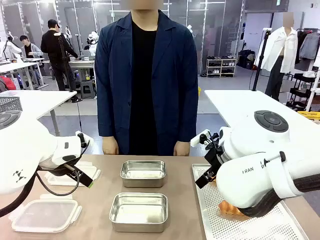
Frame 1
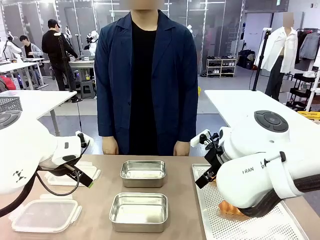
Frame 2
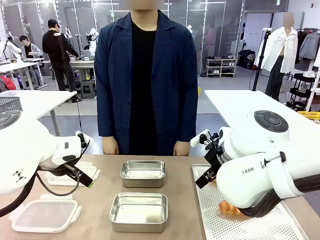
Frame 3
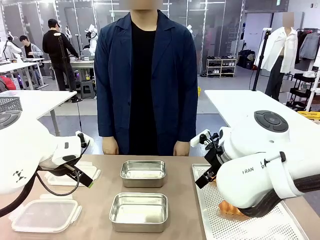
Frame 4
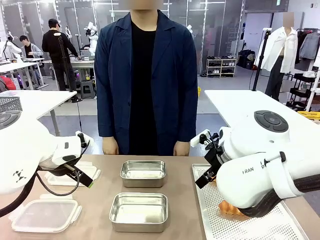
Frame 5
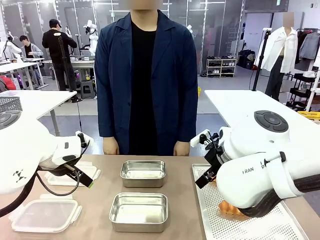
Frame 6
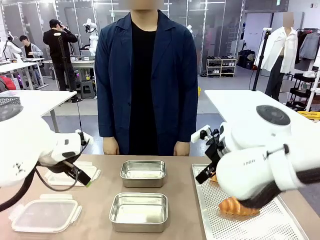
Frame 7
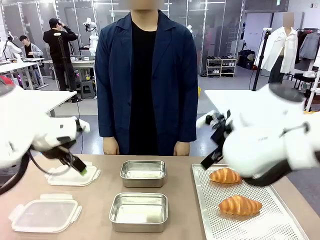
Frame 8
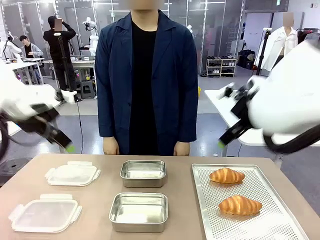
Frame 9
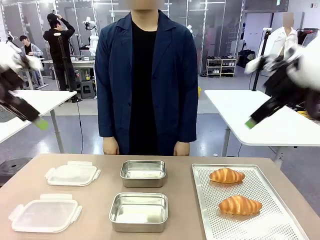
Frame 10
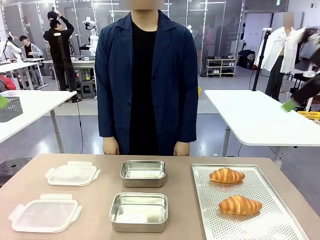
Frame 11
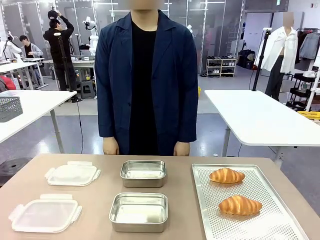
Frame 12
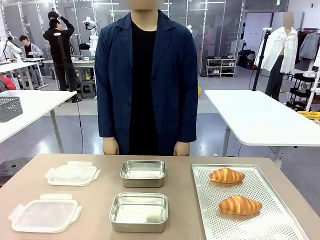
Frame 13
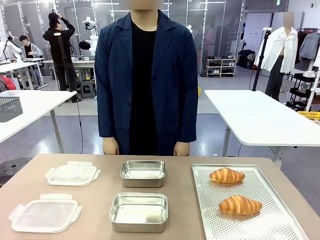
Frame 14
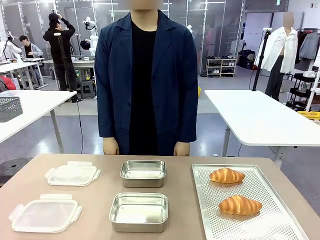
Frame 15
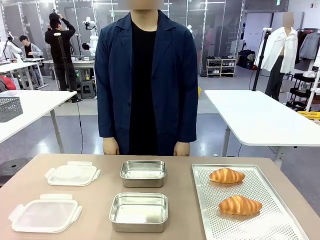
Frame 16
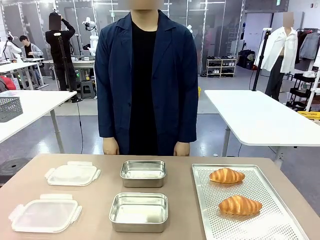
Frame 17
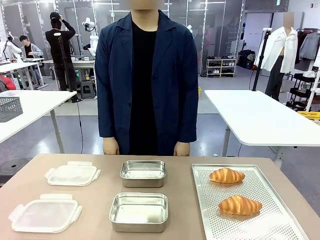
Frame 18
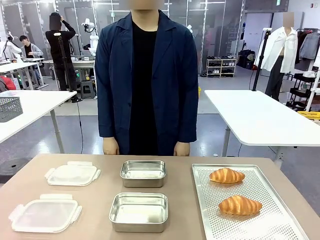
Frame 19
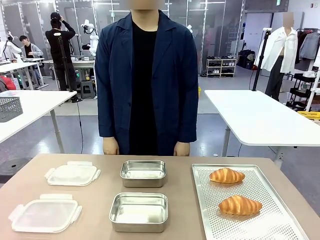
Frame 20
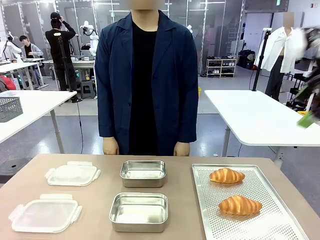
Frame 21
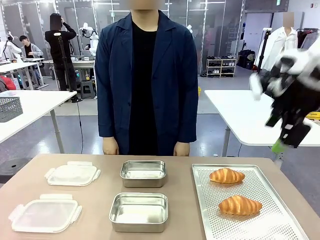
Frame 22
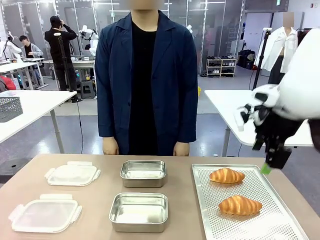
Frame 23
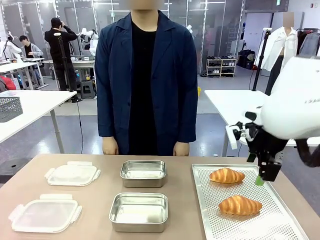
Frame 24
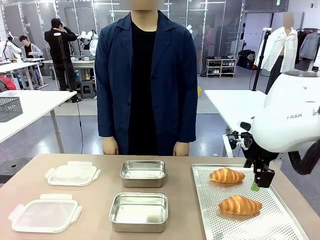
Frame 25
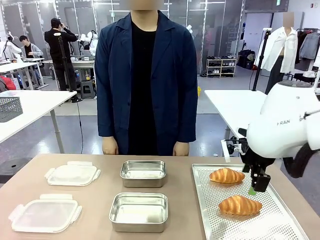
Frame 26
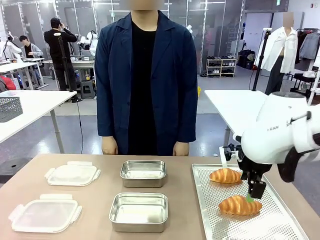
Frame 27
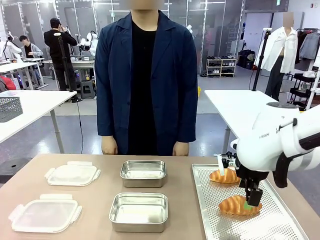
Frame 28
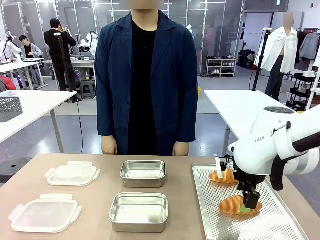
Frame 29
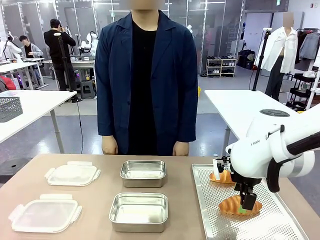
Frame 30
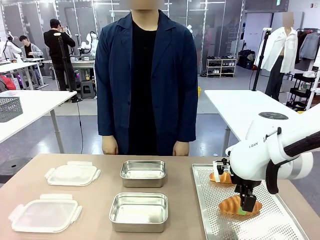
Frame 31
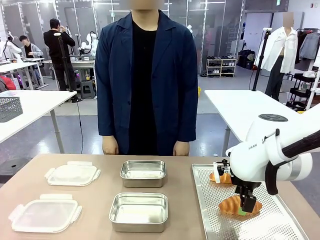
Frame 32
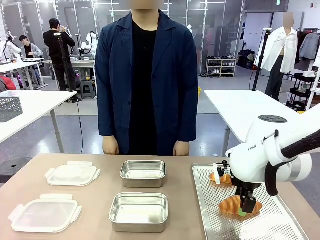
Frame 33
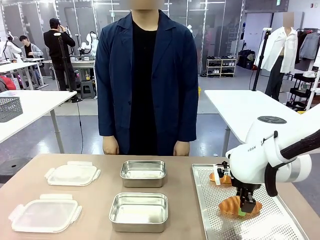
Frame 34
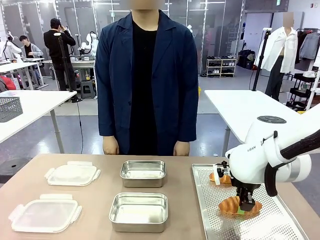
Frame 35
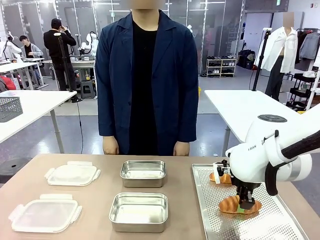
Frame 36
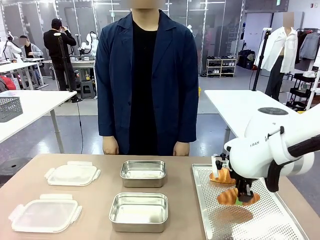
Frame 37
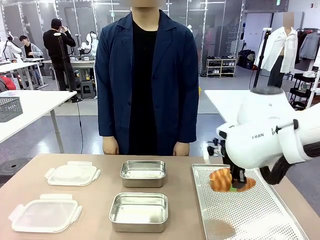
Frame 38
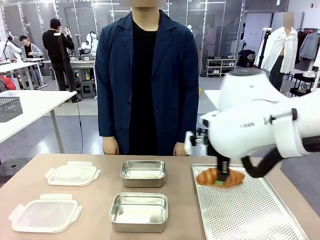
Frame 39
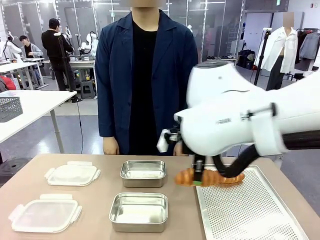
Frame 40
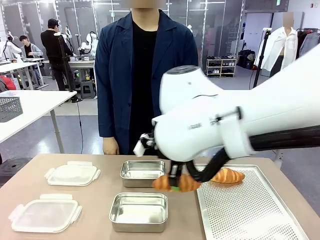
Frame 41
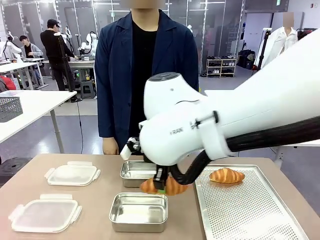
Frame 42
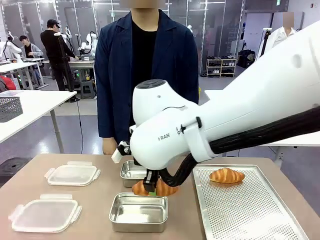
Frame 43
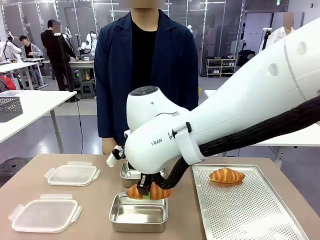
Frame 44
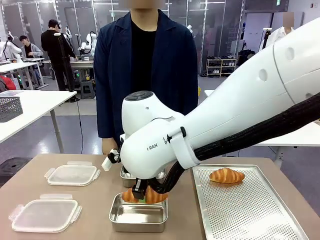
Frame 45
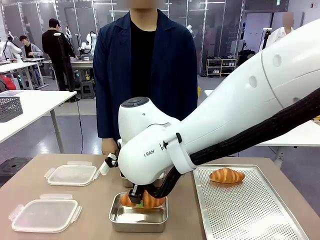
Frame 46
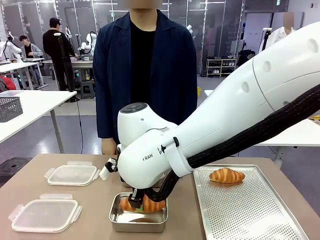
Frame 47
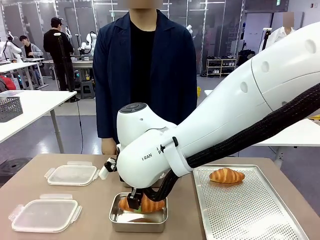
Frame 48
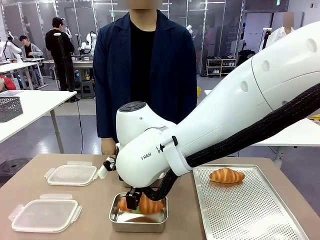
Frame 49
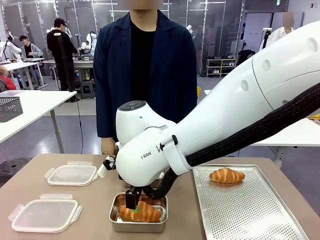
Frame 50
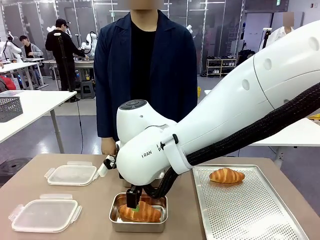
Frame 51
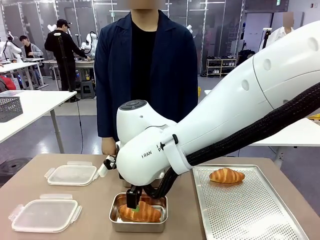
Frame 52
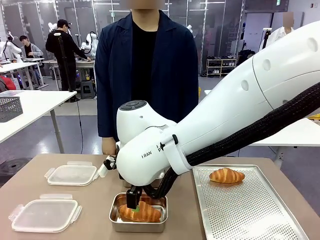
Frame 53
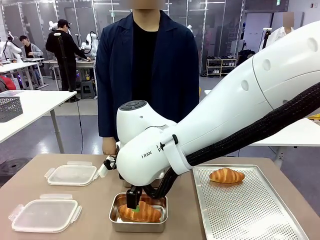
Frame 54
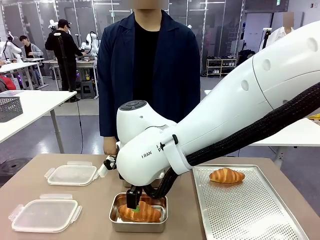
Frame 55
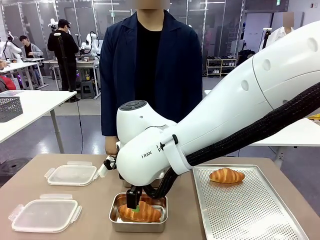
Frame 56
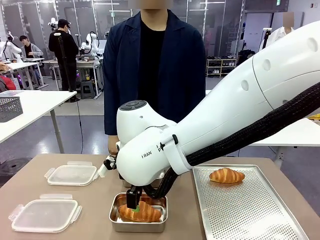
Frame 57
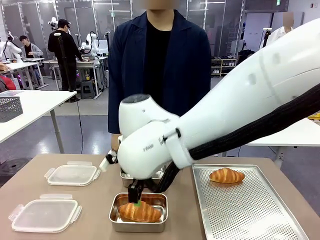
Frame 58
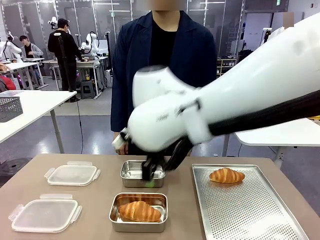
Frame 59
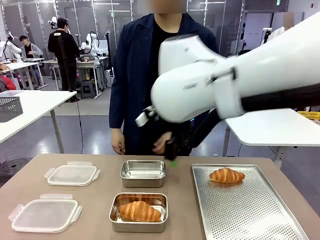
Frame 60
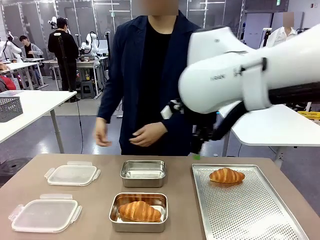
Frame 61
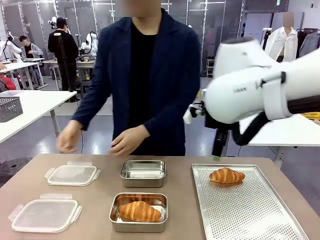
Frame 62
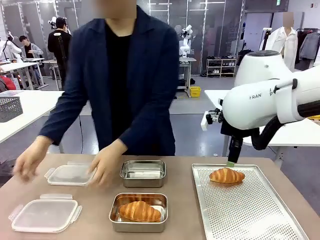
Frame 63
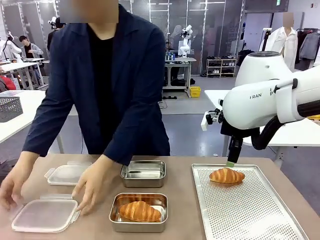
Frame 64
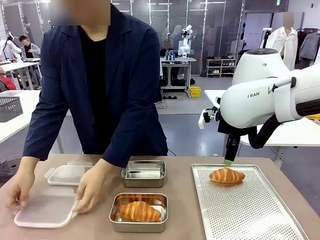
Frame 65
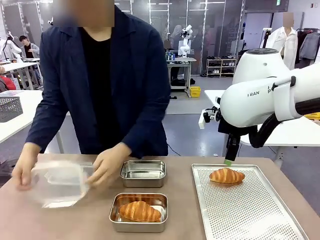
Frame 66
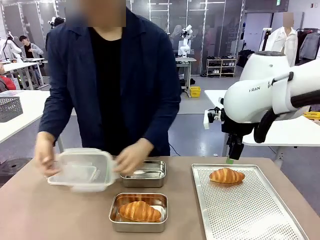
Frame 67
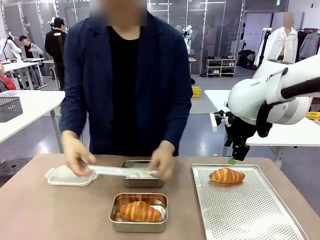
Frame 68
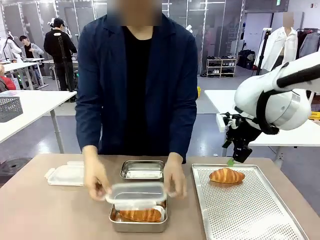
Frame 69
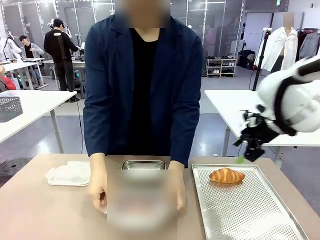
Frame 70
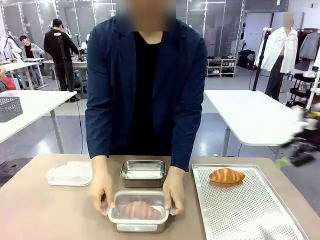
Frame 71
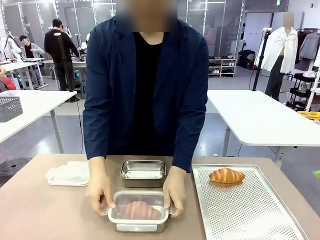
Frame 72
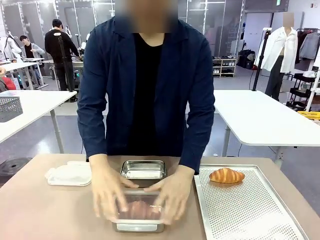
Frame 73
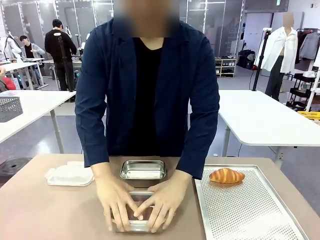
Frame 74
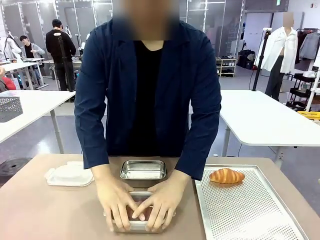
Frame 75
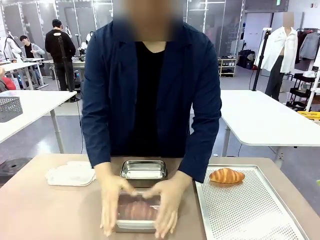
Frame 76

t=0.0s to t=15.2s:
Task: Place the bread into the airtight container.
Robot: Pick up a Butter Roll and place it into an empty Airtight Container.
